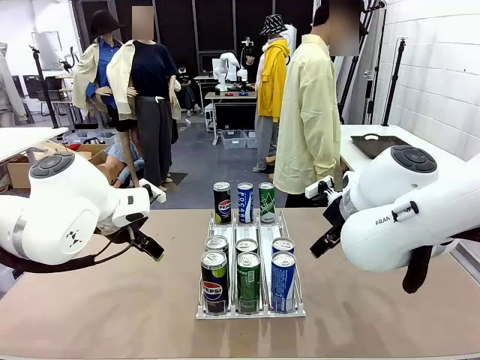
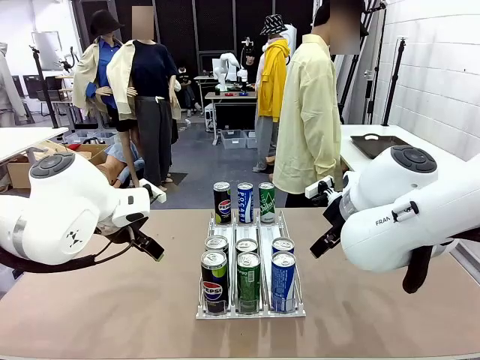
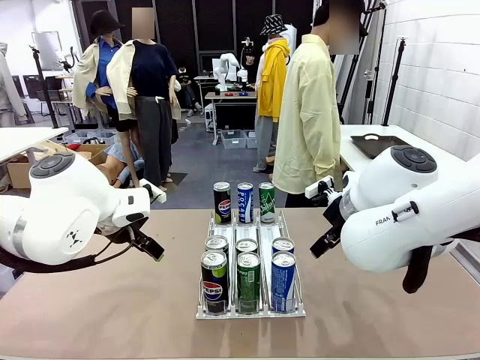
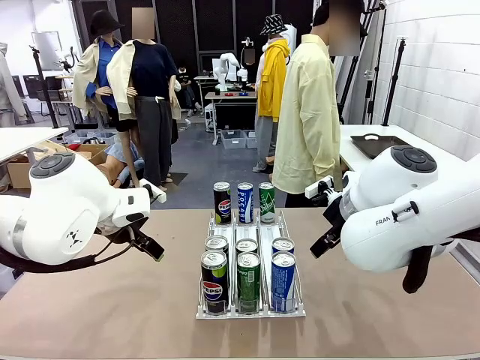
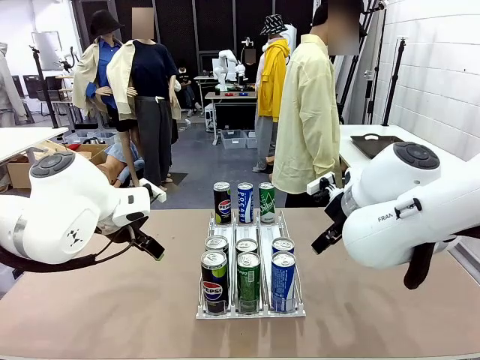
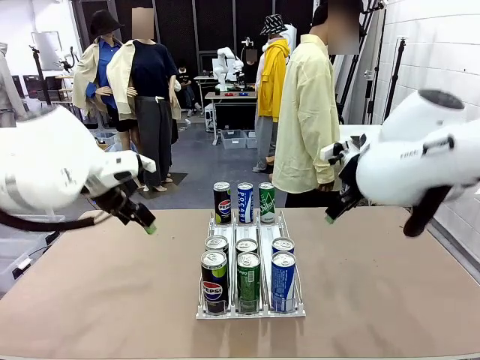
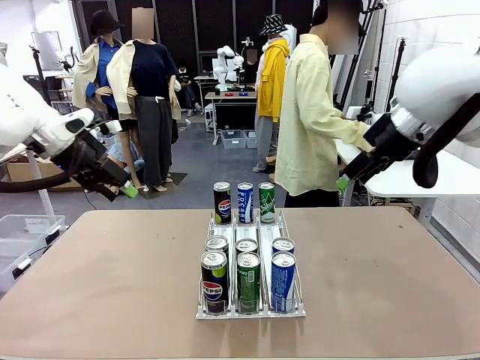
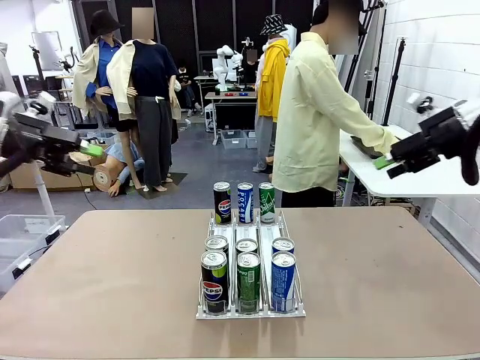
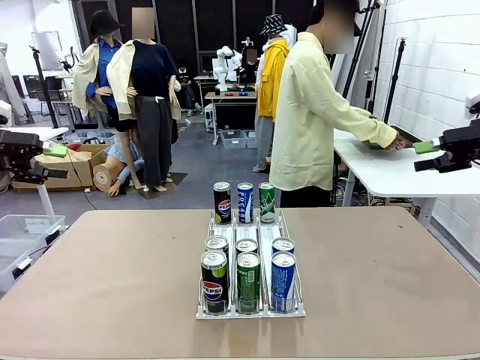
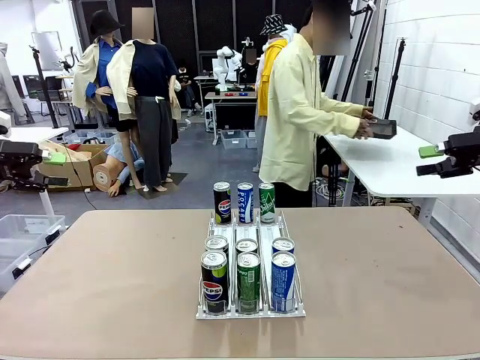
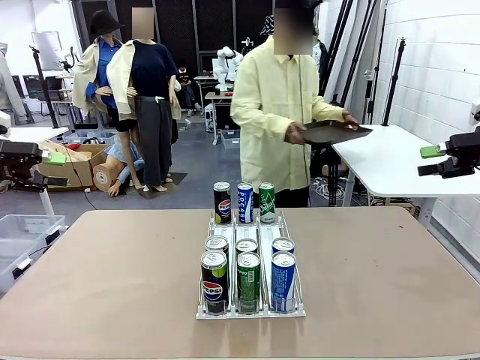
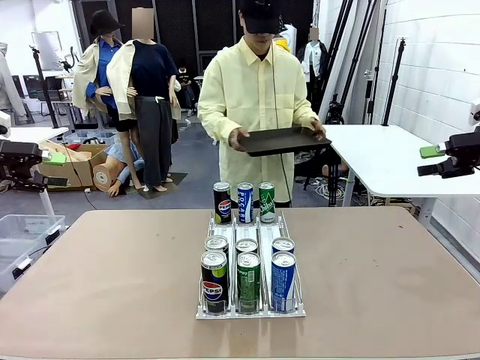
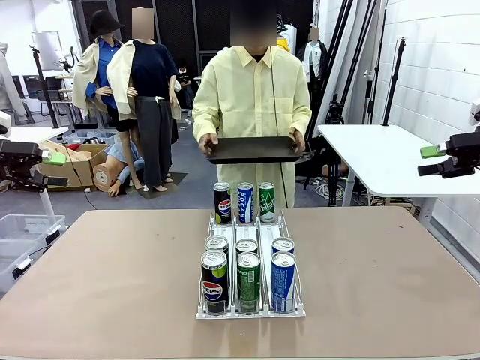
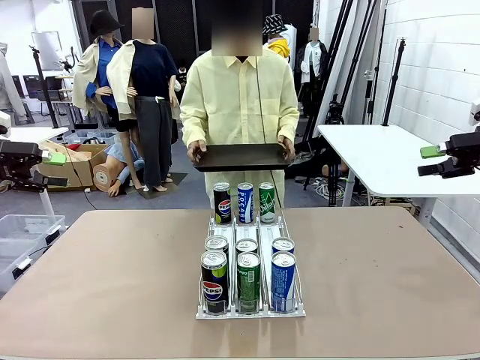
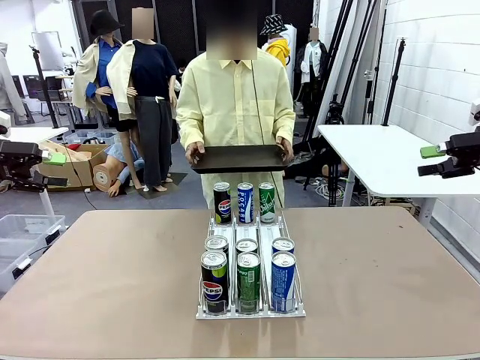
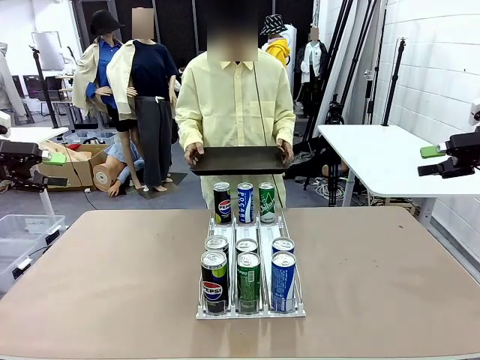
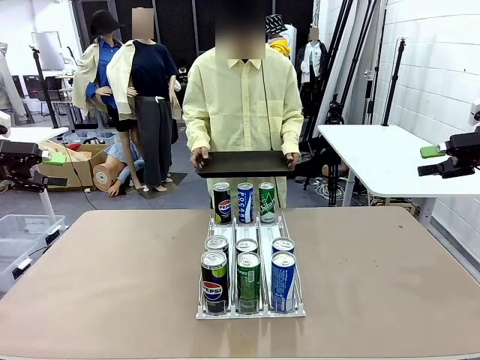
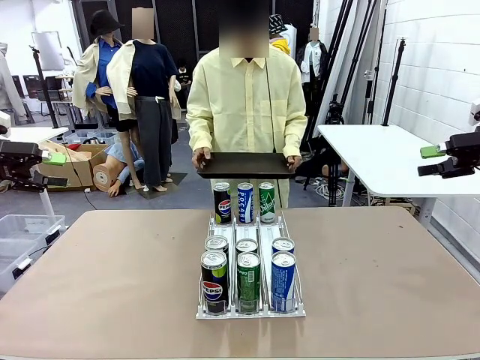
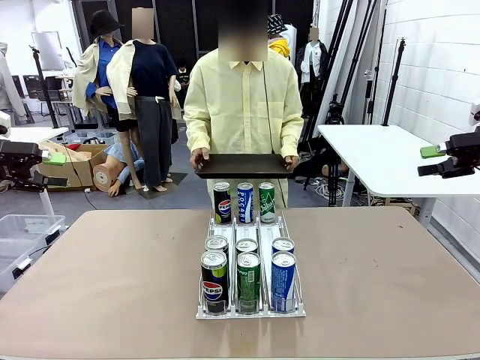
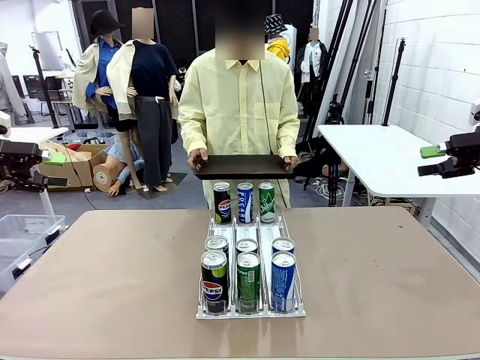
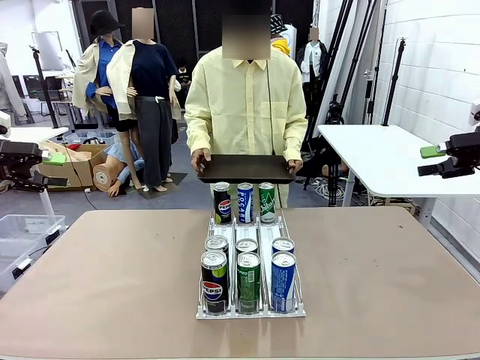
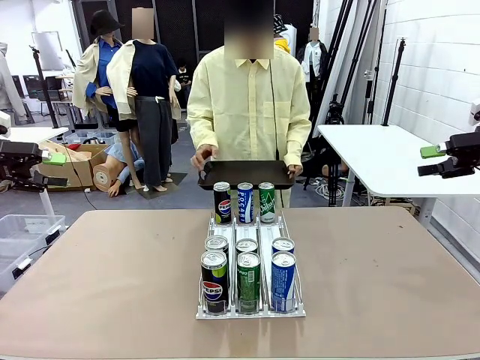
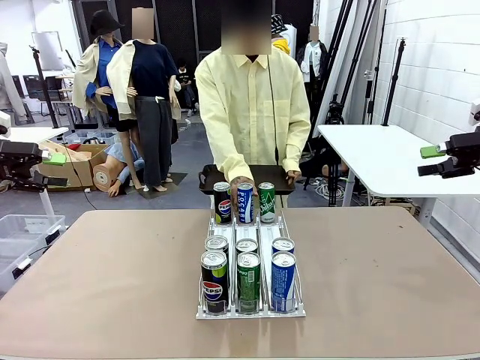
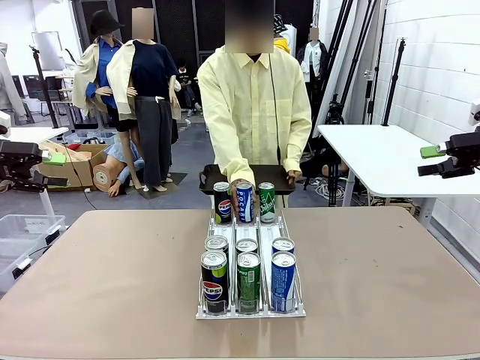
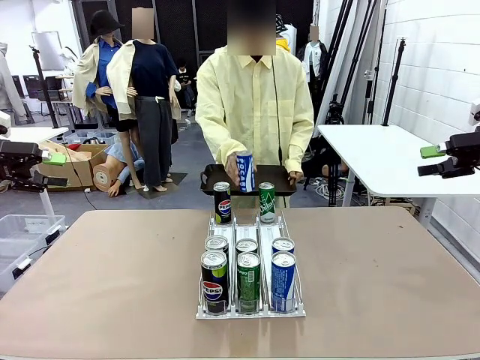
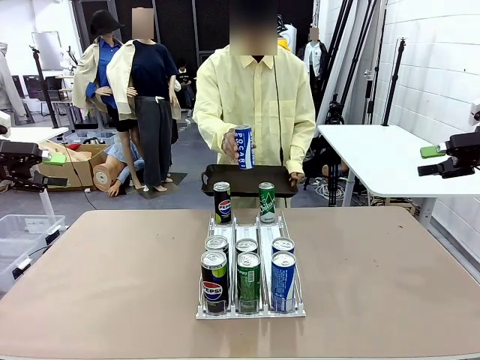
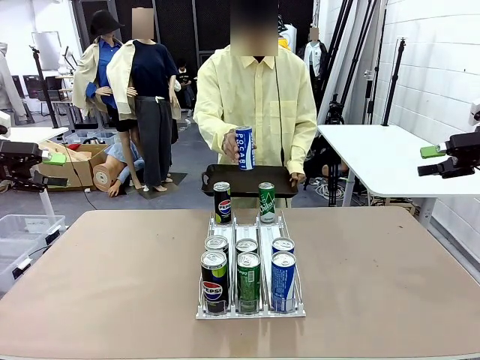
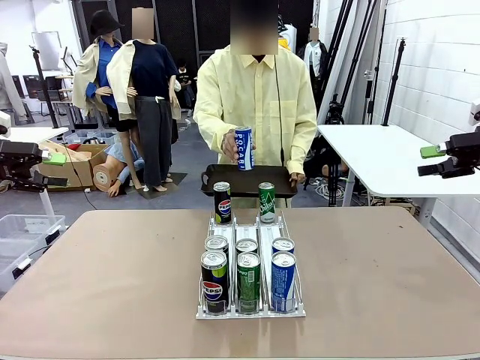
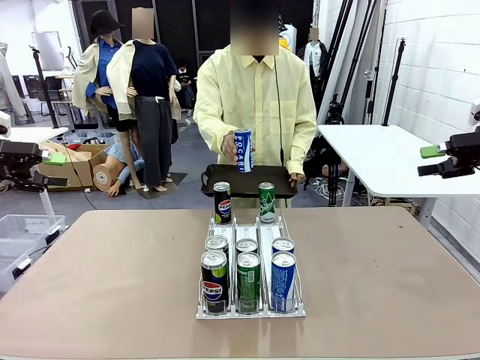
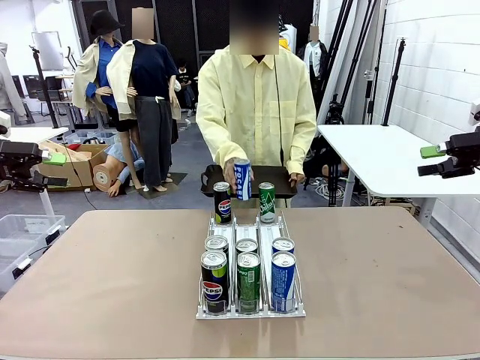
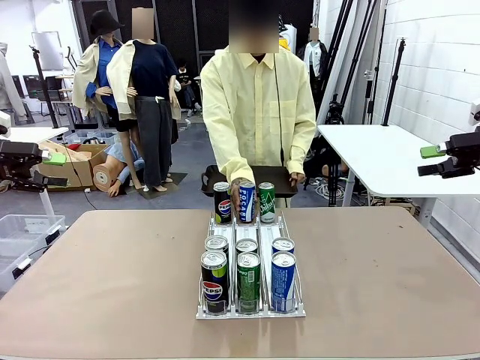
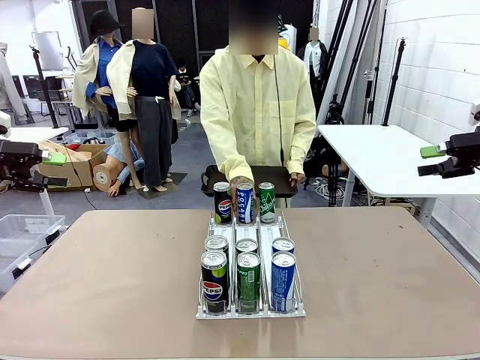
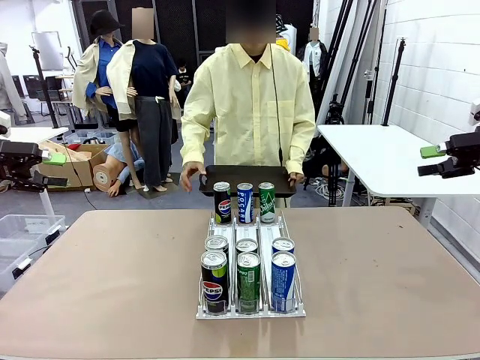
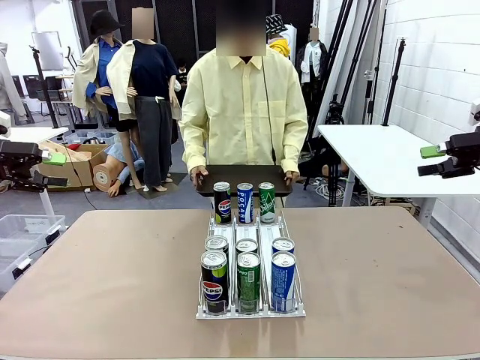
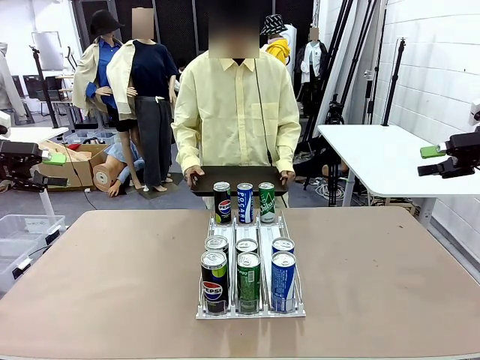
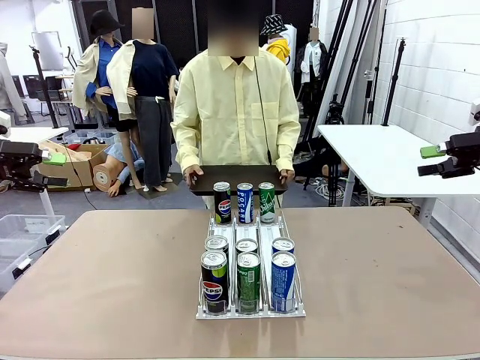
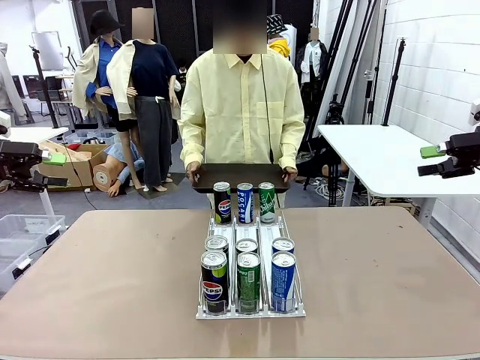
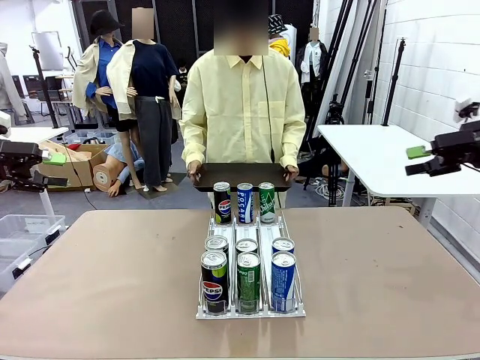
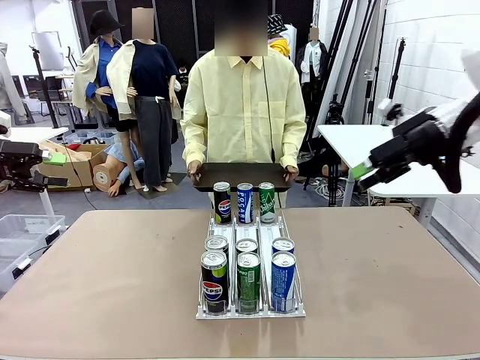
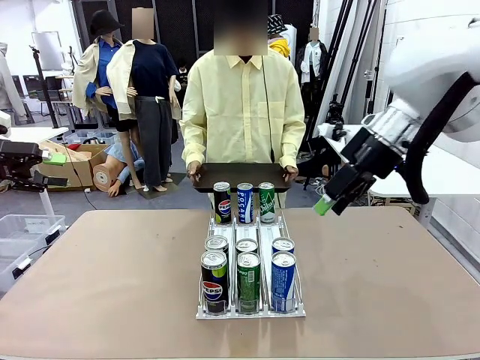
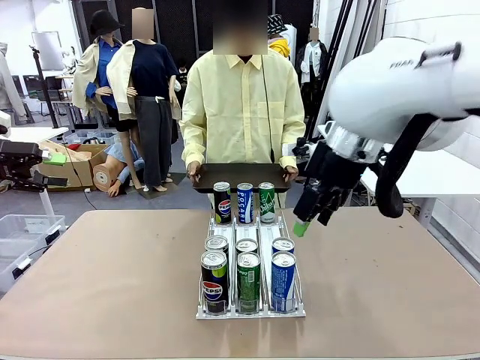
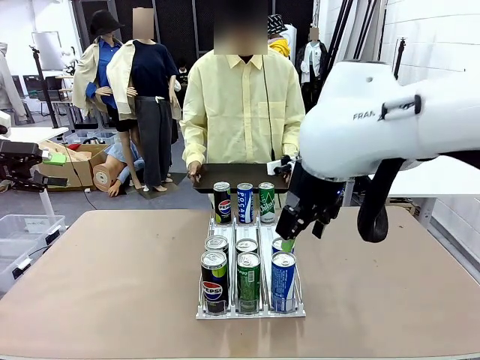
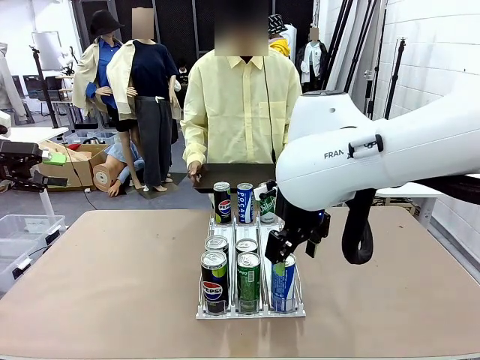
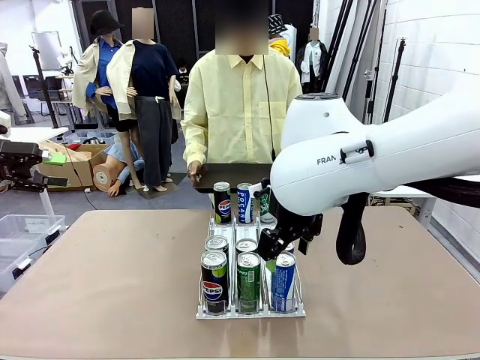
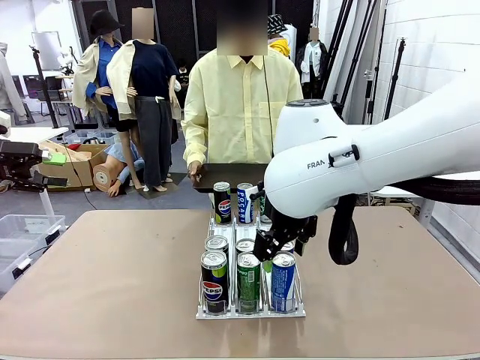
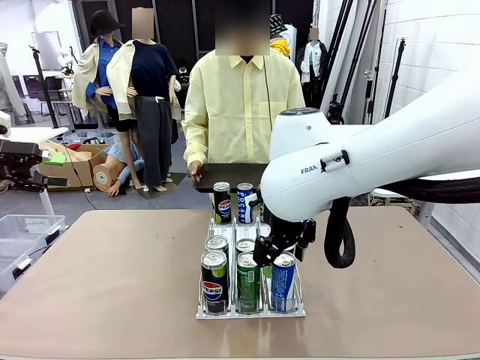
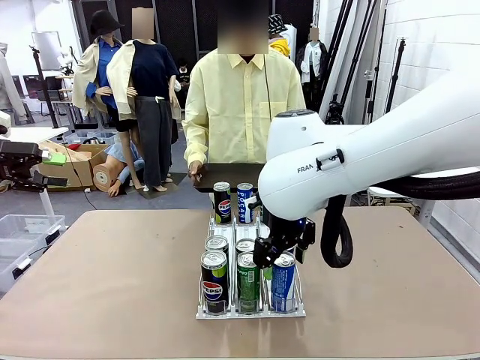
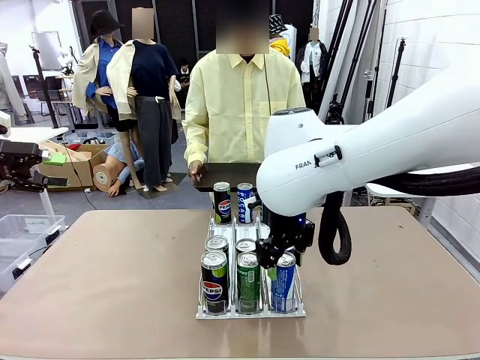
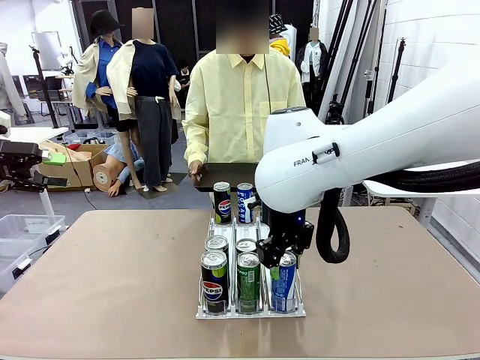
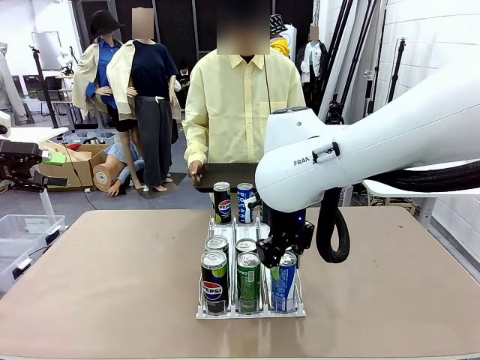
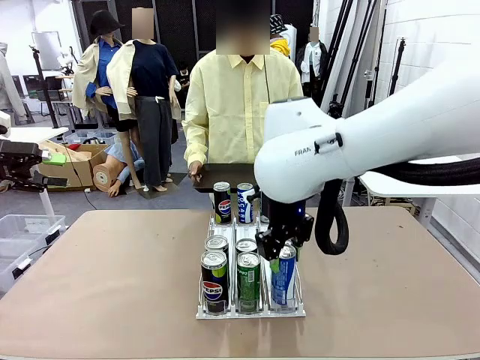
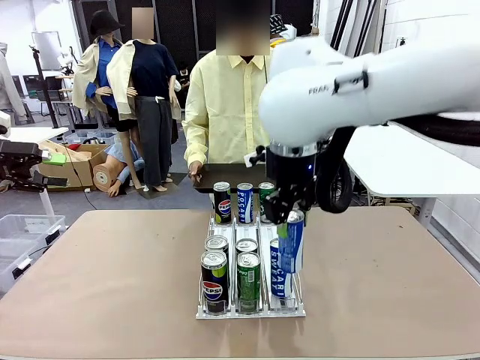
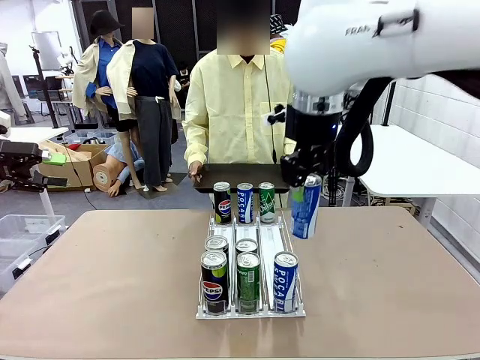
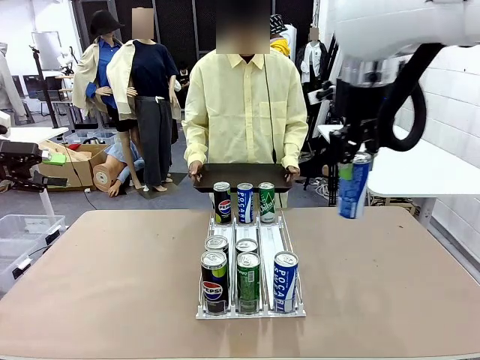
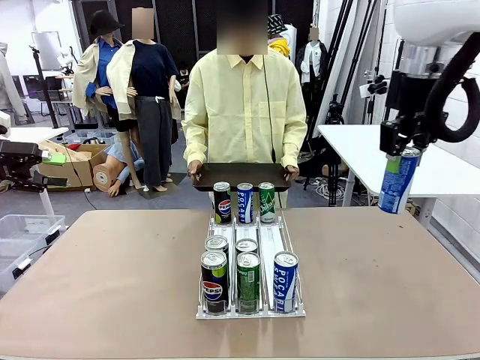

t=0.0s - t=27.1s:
Task: Retrieve and hand over the desired beverage to the person.
Robot: Pick up a can of the same type that the person held from the Automatic Can Dispenser.
Person: Hold the tray and position yourself in front of the robot table. Pick up one can from the bottom area of the table and puts it back in its original place. Push the tray toward the robot.
